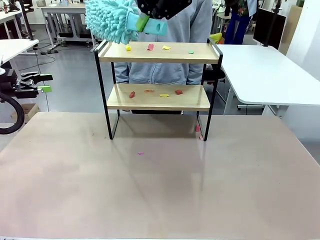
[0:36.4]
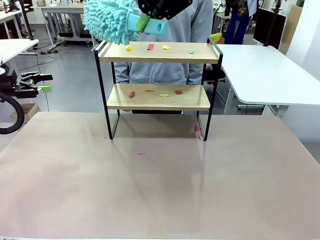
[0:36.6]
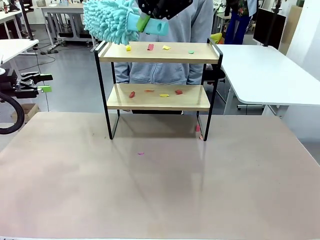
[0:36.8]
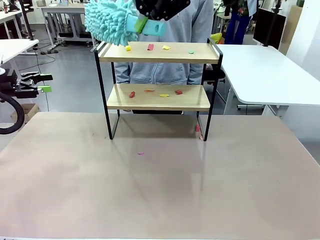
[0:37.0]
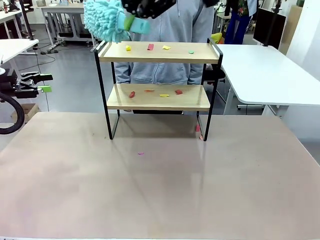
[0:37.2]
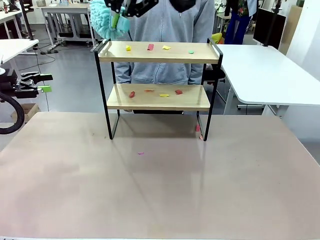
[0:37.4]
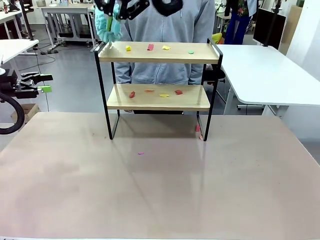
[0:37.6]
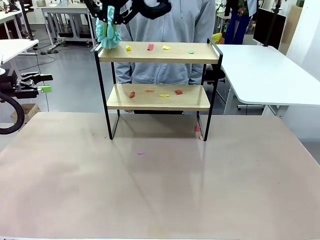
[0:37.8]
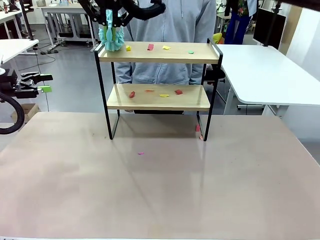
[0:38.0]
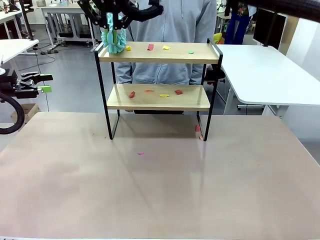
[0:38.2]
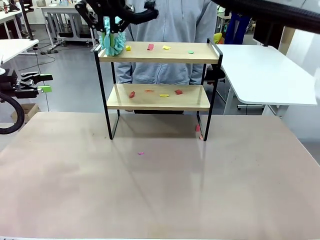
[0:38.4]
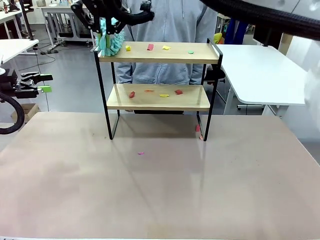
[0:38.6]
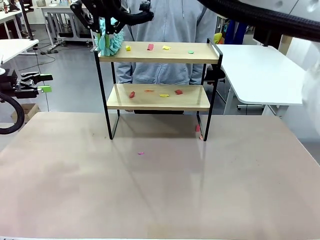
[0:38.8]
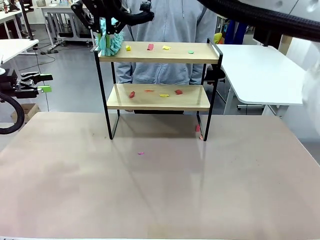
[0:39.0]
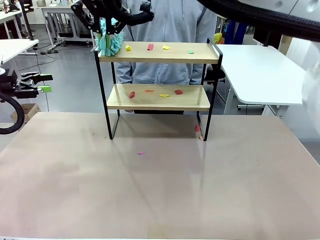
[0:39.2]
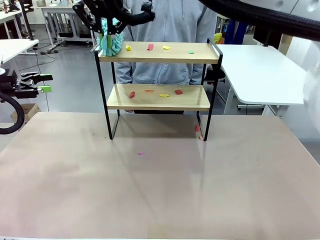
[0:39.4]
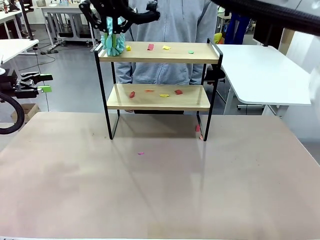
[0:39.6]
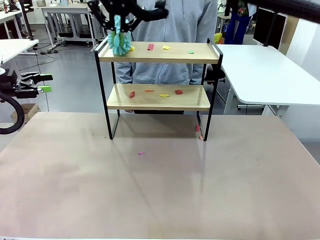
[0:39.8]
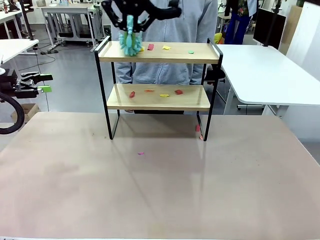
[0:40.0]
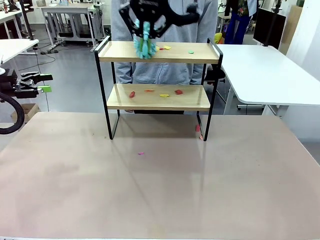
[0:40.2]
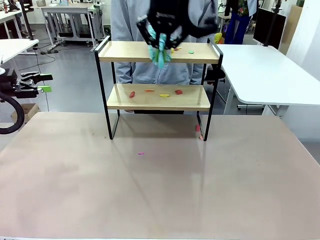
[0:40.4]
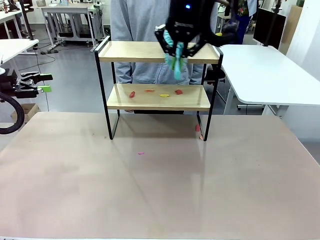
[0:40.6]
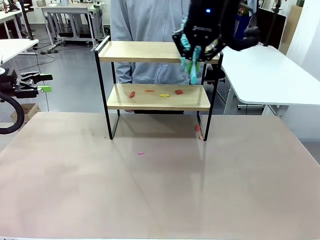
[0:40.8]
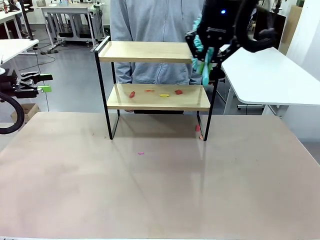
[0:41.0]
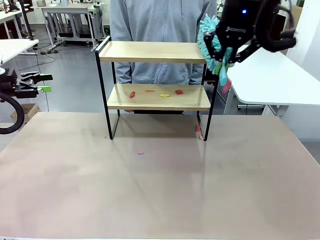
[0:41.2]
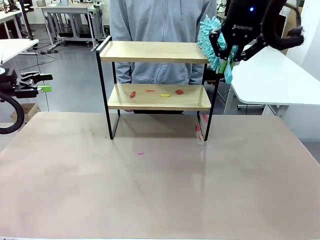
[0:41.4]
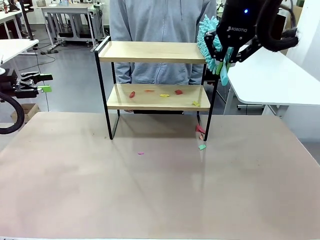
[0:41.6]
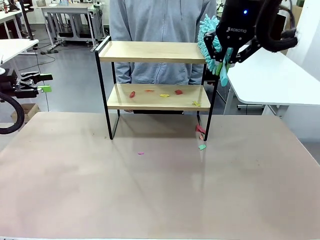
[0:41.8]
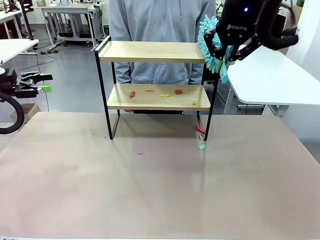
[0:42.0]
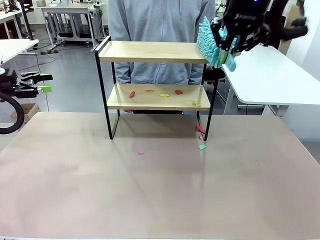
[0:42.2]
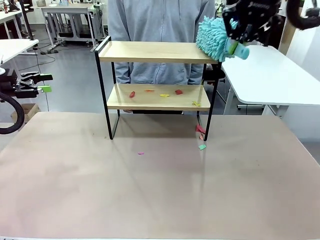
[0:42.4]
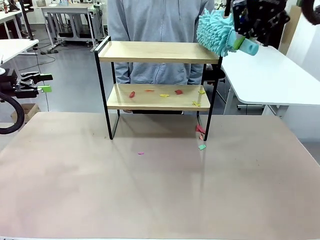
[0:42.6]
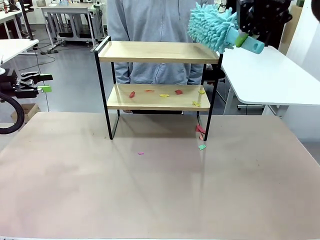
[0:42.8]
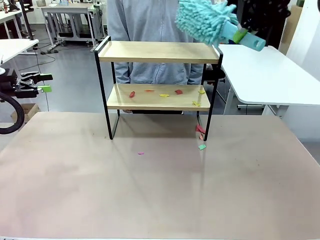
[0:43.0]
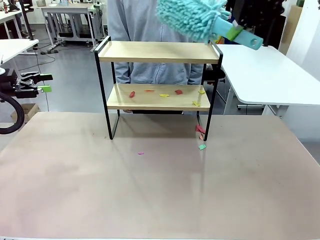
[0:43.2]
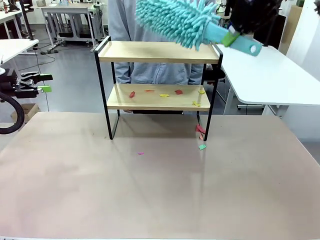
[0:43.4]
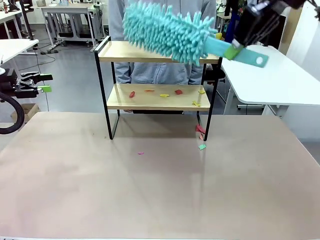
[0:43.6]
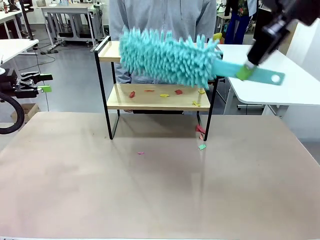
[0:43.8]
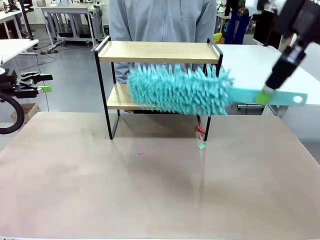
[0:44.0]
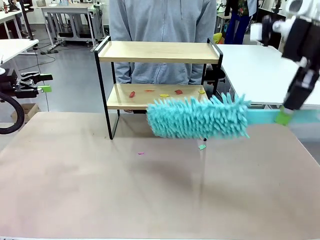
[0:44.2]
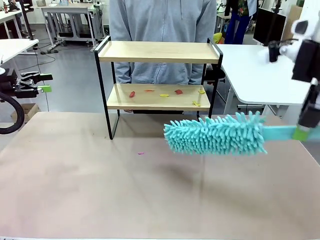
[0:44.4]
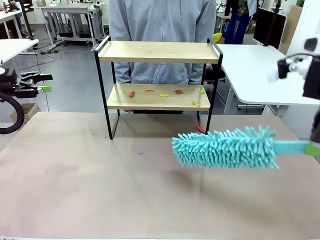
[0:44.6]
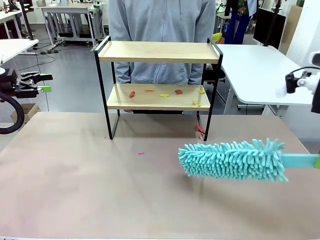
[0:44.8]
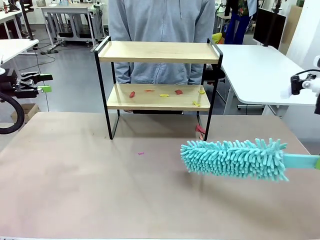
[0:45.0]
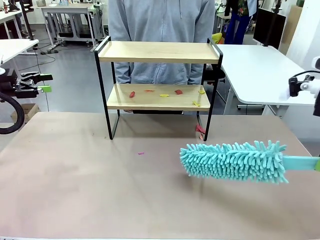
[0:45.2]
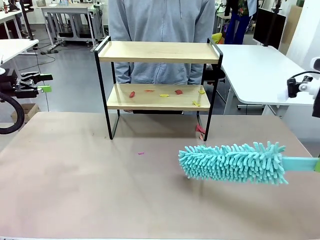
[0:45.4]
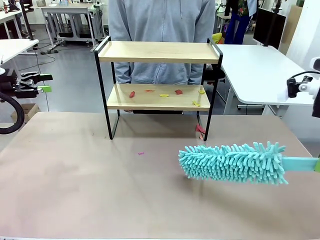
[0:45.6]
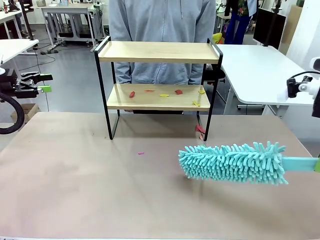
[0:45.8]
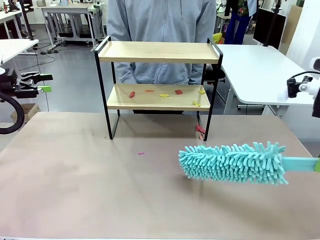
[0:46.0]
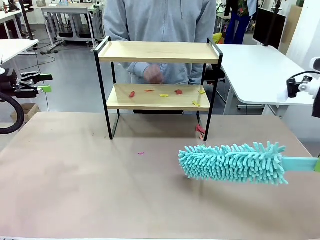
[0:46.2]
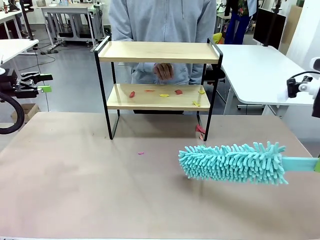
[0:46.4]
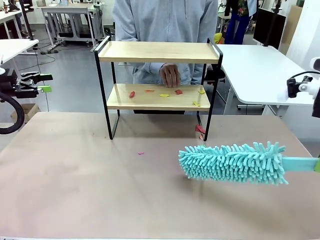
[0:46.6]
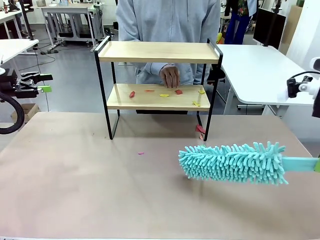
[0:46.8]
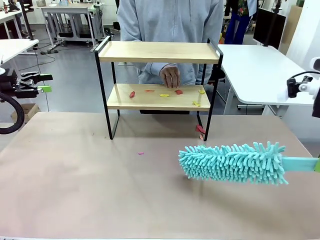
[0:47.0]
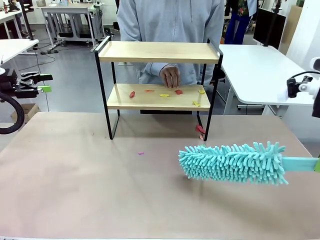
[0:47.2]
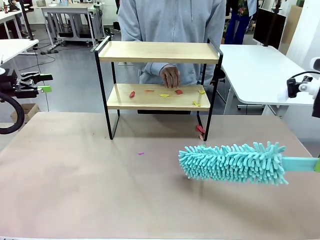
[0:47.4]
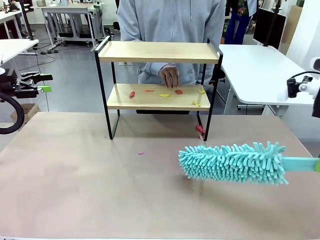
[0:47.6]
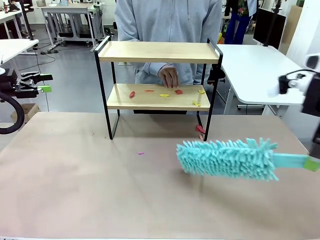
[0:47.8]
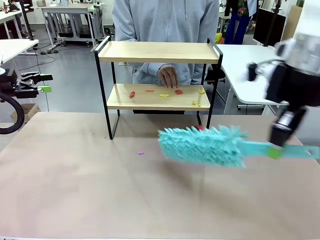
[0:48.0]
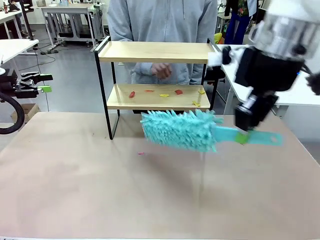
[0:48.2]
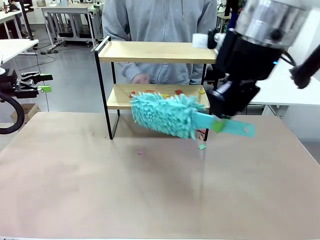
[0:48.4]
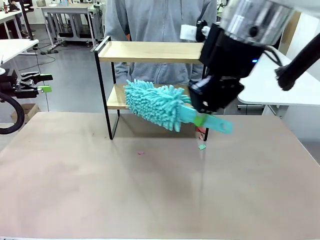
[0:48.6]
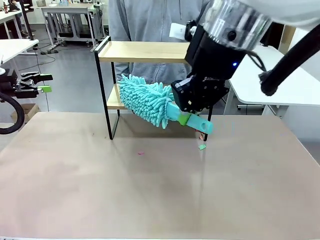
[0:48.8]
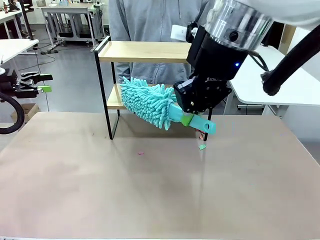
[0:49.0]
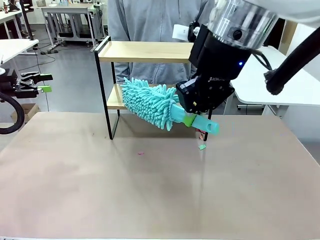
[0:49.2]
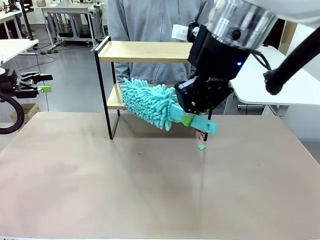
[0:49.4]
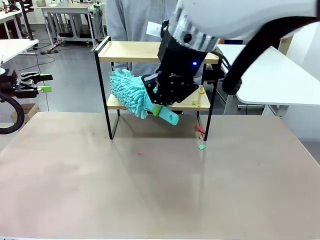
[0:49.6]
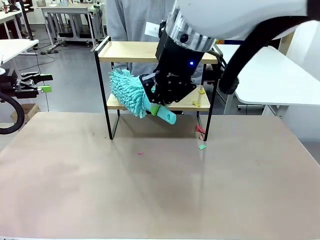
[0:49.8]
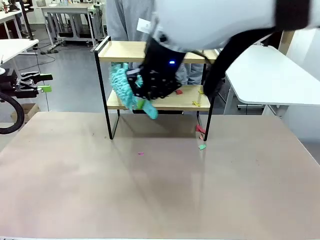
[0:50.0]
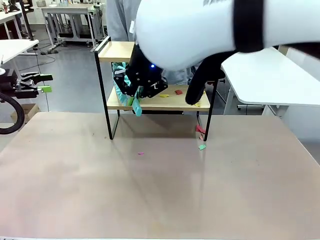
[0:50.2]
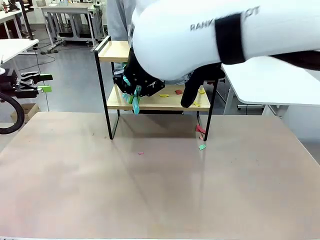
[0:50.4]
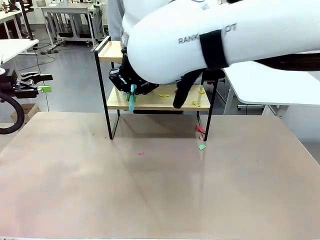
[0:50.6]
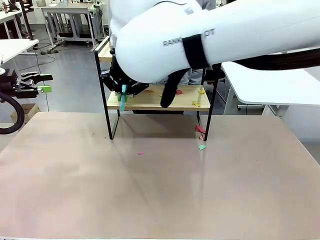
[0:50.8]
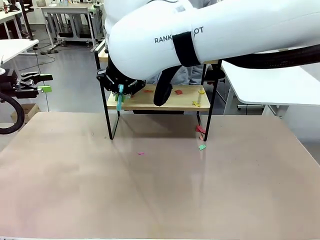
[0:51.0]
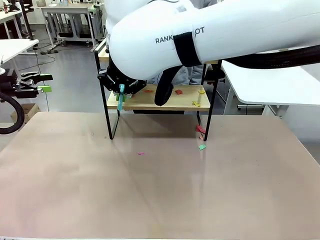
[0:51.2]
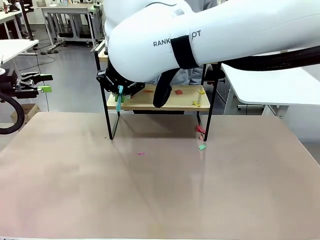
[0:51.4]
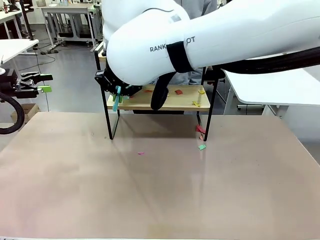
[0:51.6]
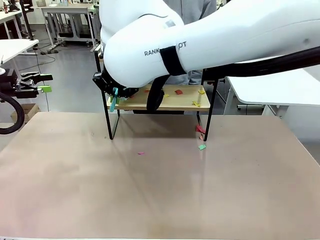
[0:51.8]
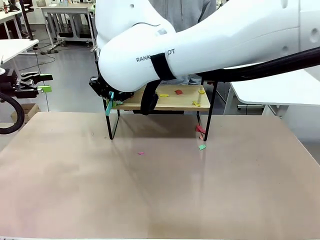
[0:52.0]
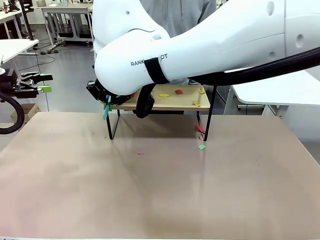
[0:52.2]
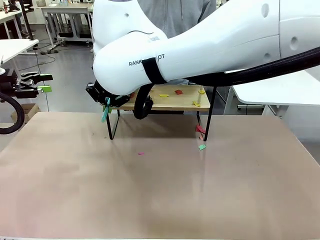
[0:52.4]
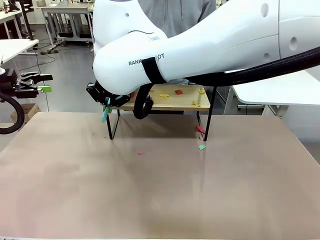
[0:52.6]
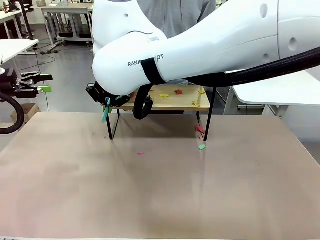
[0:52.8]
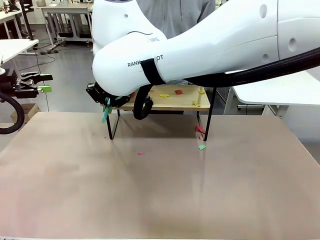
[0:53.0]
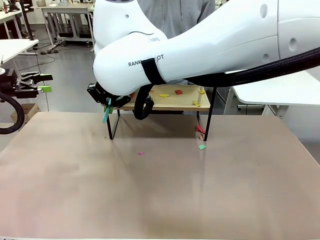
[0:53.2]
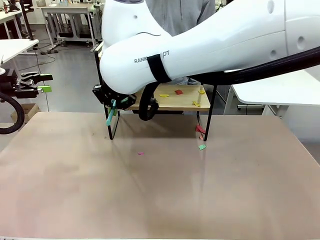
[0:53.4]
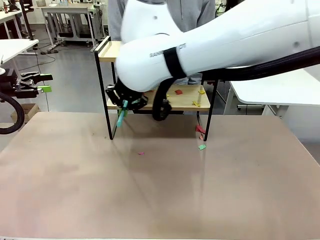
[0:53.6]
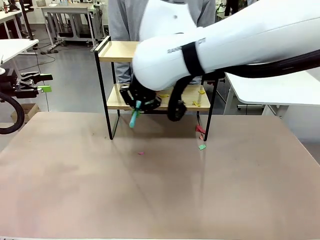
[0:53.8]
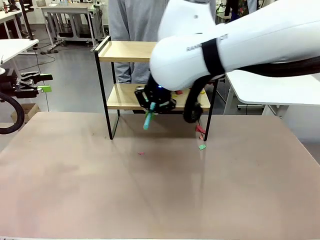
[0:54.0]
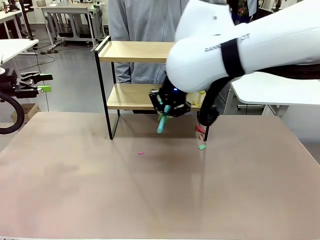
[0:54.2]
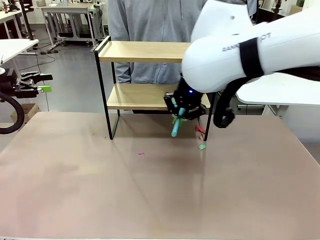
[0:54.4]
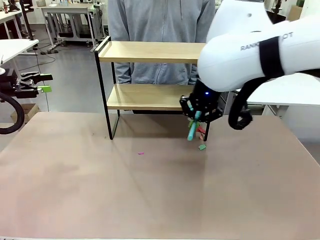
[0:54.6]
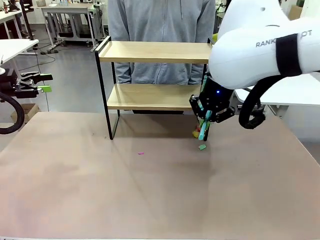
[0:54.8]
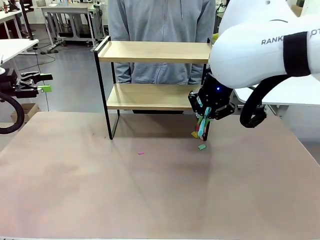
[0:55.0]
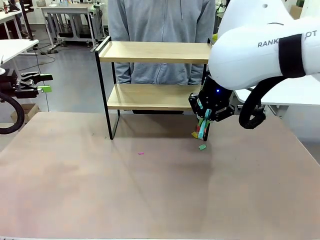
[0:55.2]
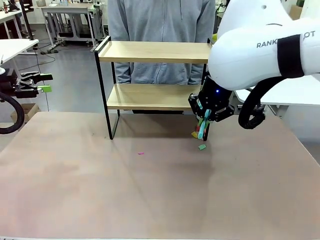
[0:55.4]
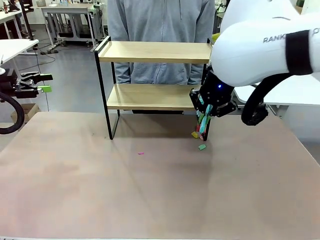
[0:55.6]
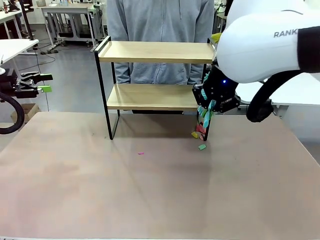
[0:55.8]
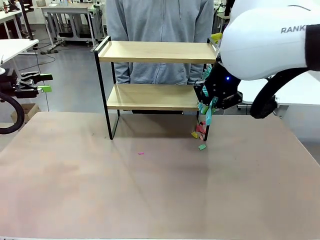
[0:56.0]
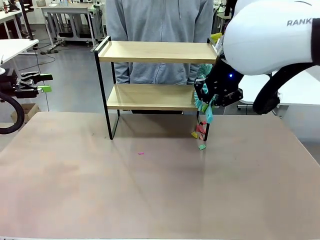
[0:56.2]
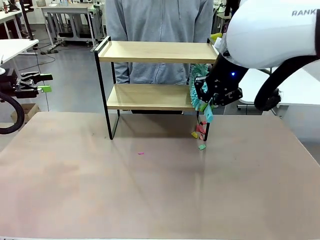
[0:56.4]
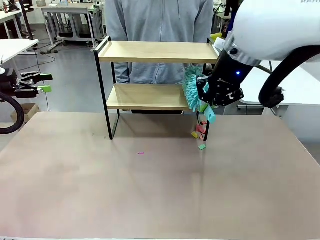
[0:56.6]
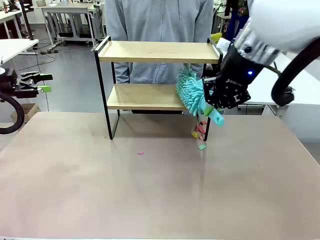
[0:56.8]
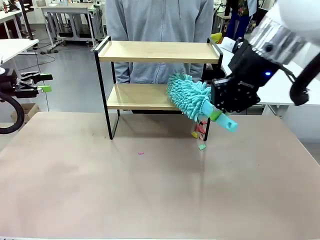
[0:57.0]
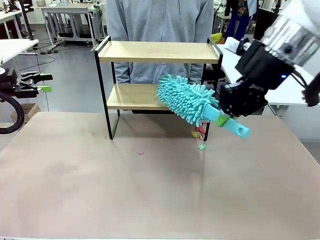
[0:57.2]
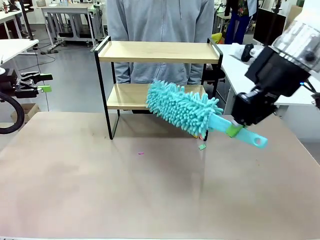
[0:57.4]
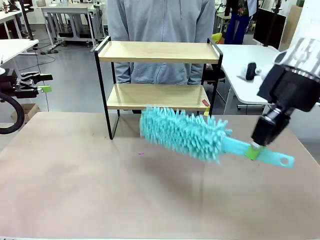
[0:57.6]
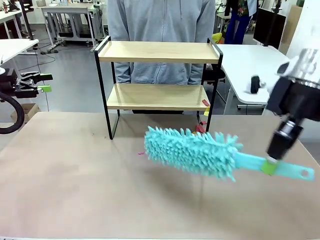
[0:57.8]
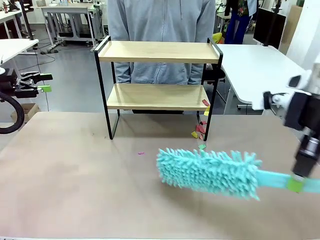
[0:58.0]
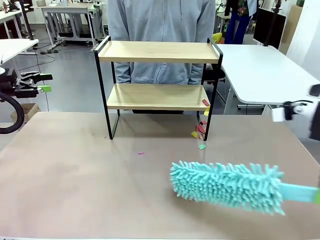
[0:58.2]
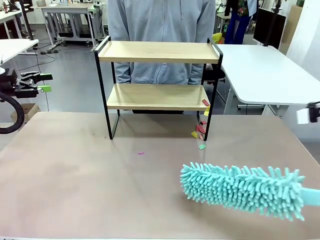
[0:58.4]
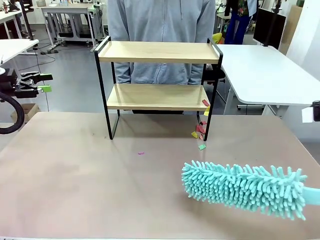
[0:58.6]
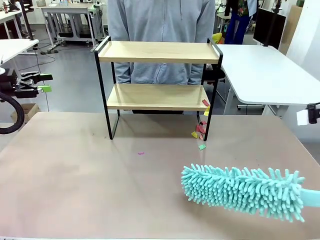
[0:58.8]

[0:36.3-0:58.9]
Task: Clean the shelf.
Robot: Clean the specific section of the Shelf indicated by the human with the Duster.
Person: Point a remaining section of the Shelf.
